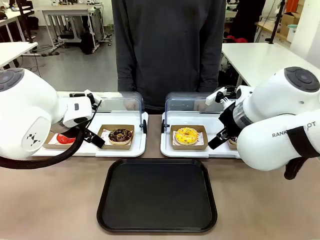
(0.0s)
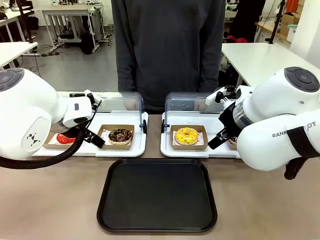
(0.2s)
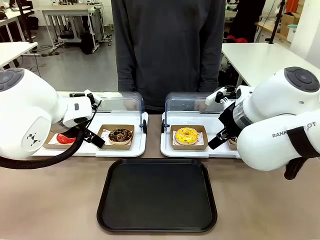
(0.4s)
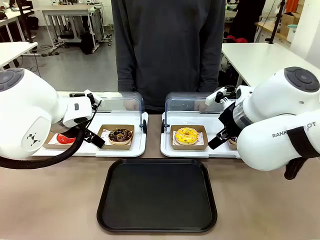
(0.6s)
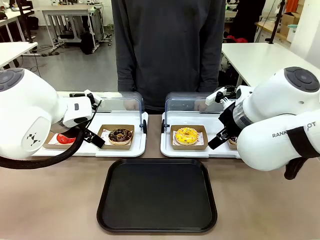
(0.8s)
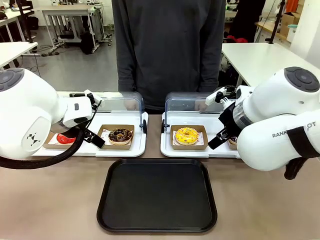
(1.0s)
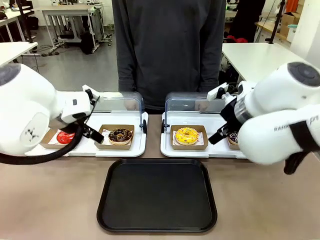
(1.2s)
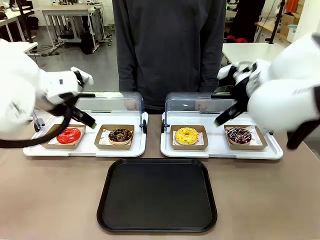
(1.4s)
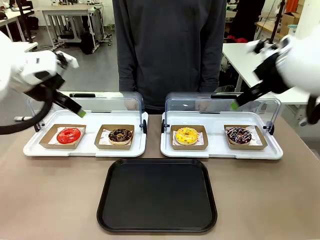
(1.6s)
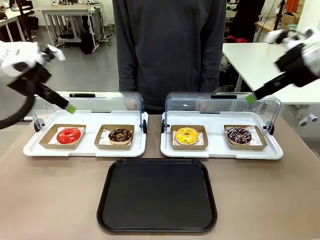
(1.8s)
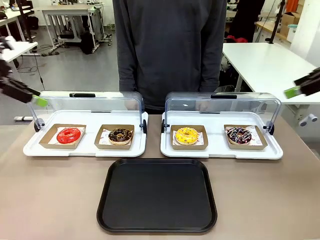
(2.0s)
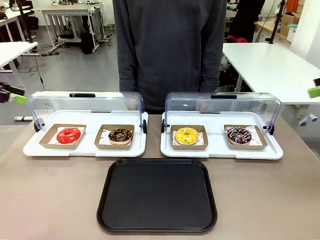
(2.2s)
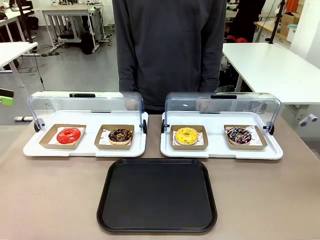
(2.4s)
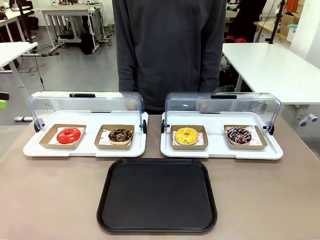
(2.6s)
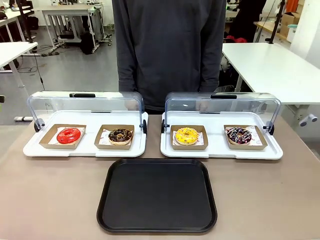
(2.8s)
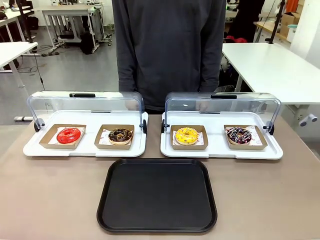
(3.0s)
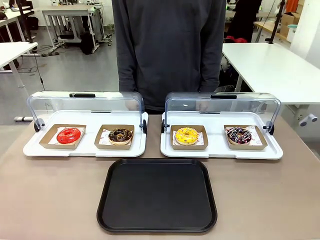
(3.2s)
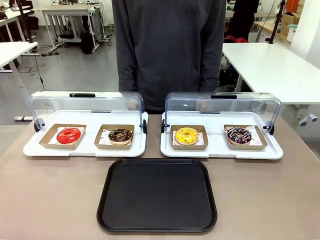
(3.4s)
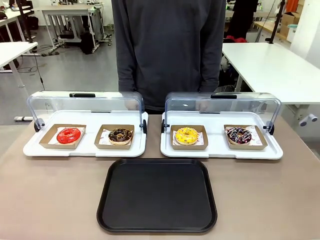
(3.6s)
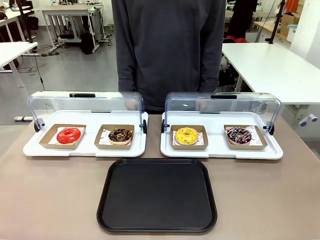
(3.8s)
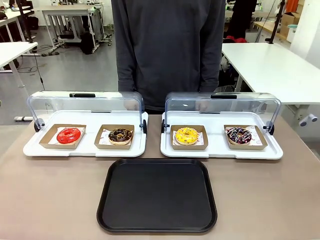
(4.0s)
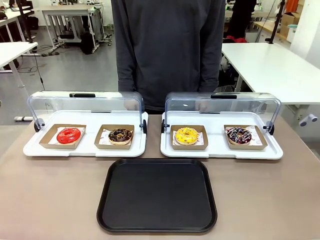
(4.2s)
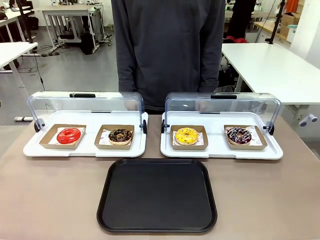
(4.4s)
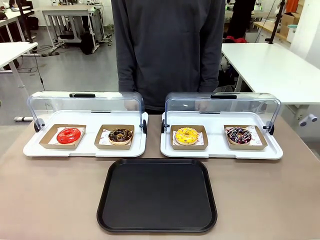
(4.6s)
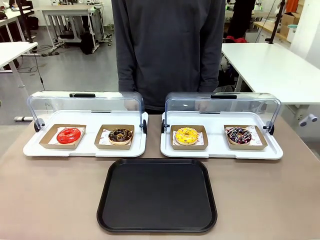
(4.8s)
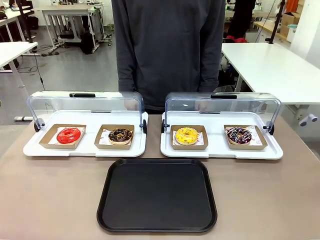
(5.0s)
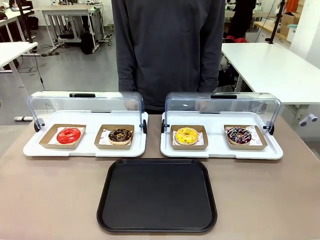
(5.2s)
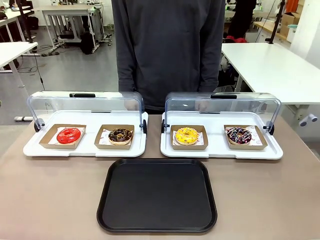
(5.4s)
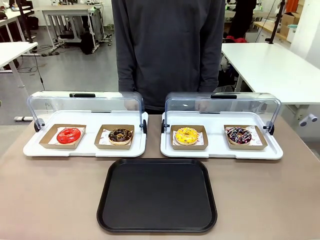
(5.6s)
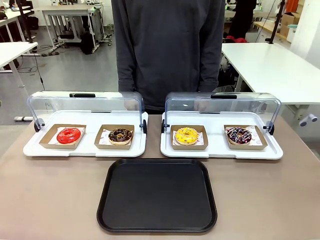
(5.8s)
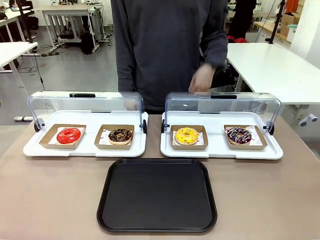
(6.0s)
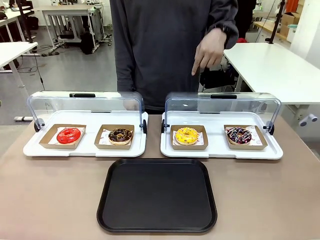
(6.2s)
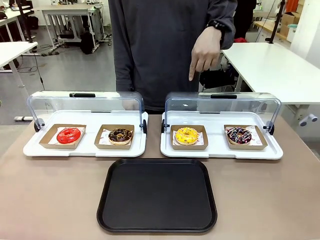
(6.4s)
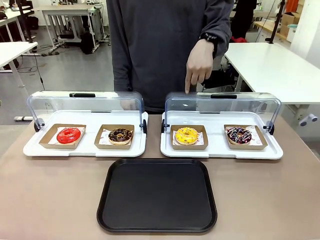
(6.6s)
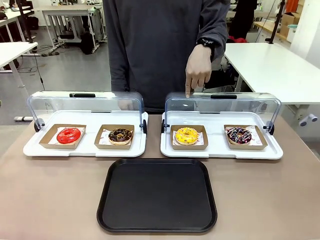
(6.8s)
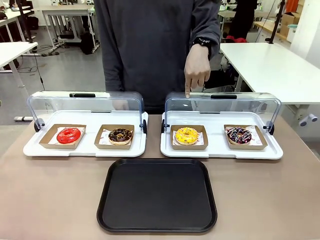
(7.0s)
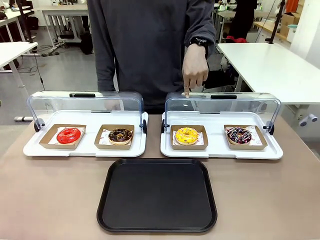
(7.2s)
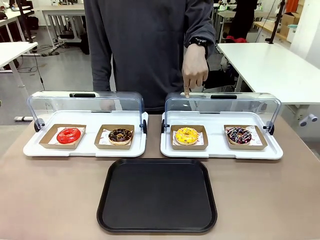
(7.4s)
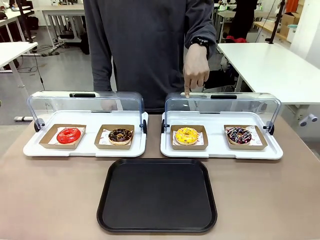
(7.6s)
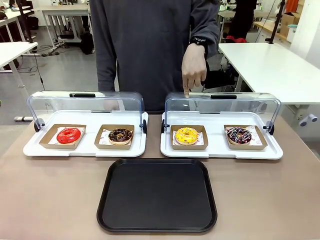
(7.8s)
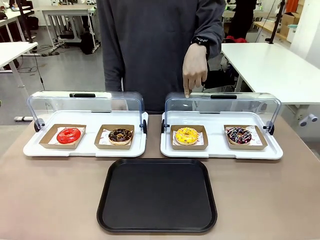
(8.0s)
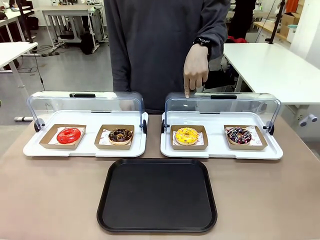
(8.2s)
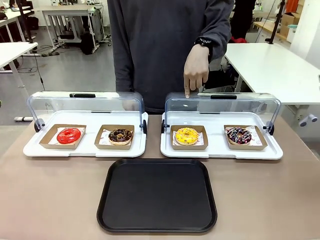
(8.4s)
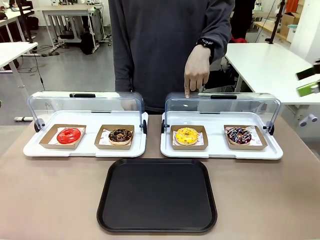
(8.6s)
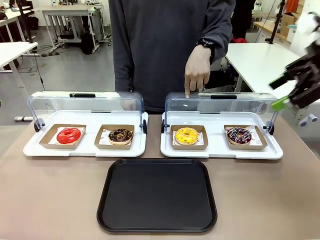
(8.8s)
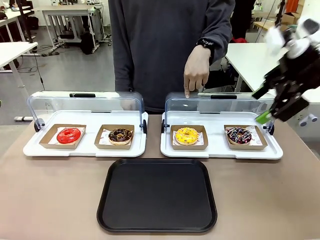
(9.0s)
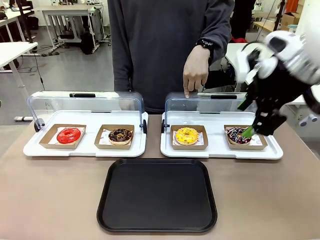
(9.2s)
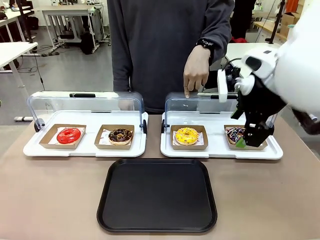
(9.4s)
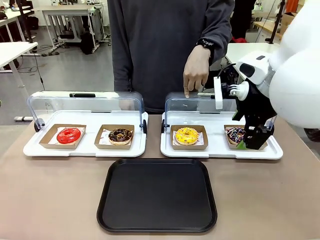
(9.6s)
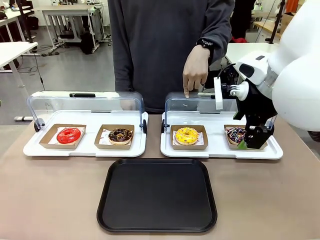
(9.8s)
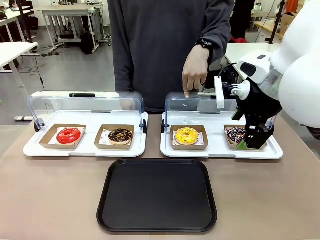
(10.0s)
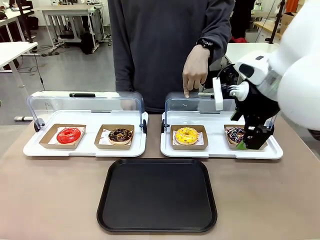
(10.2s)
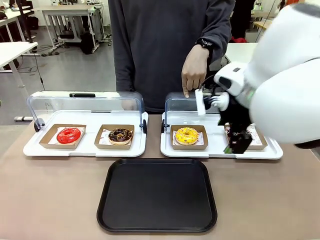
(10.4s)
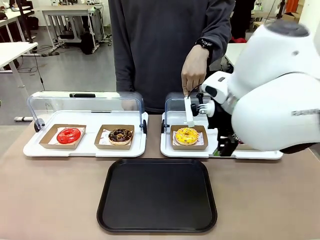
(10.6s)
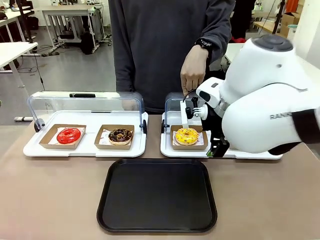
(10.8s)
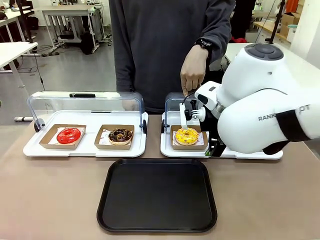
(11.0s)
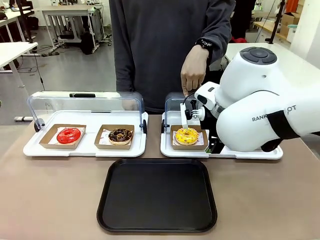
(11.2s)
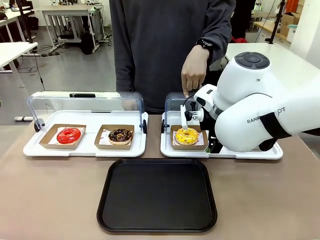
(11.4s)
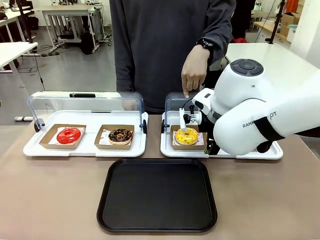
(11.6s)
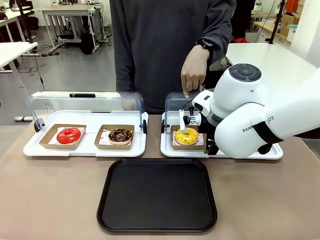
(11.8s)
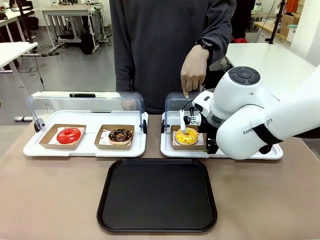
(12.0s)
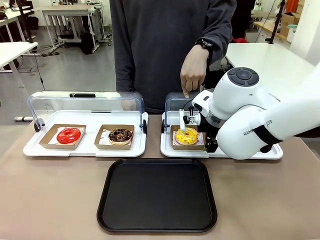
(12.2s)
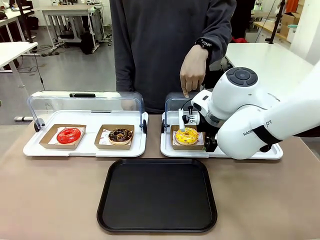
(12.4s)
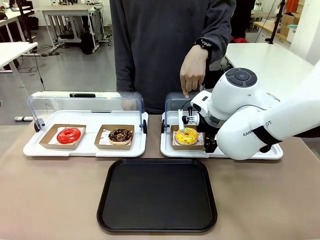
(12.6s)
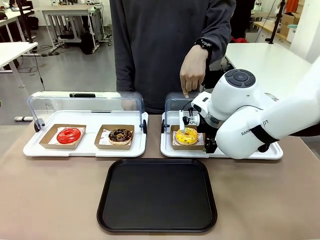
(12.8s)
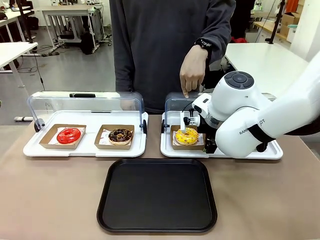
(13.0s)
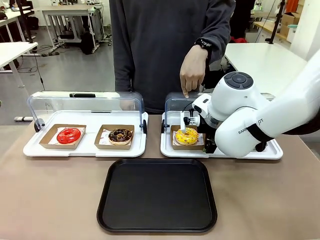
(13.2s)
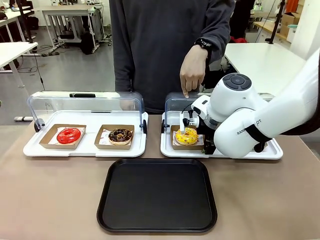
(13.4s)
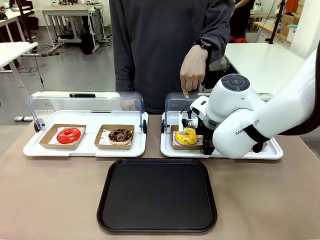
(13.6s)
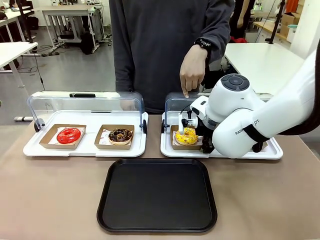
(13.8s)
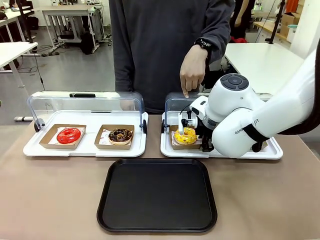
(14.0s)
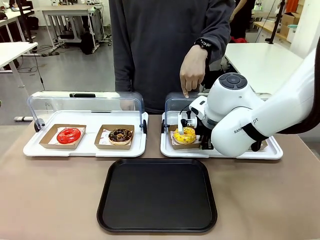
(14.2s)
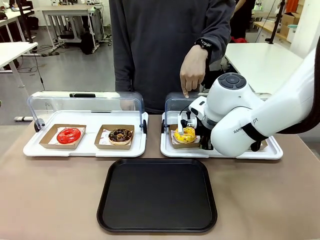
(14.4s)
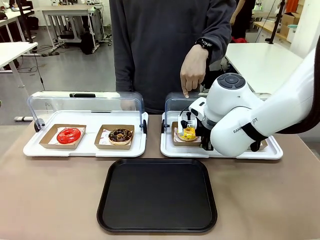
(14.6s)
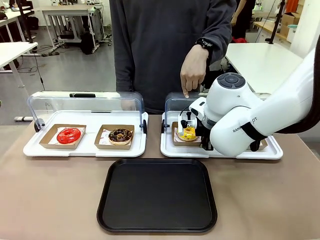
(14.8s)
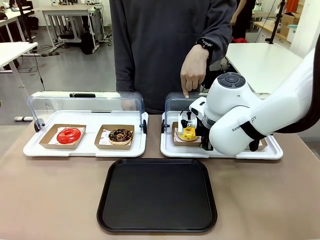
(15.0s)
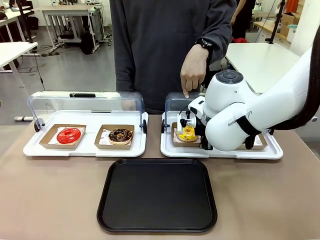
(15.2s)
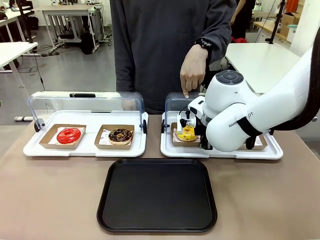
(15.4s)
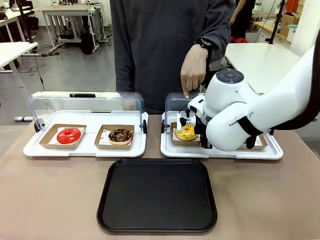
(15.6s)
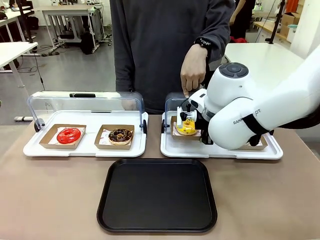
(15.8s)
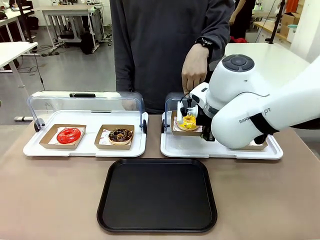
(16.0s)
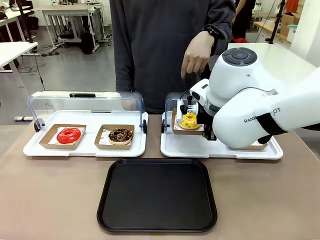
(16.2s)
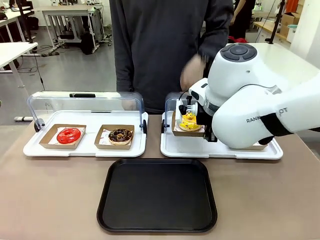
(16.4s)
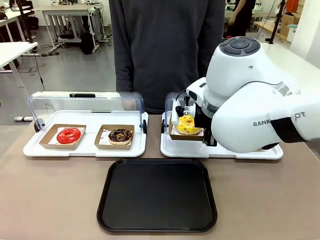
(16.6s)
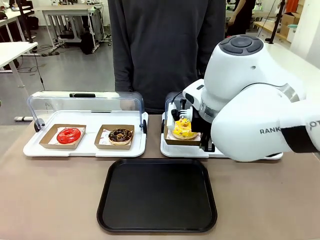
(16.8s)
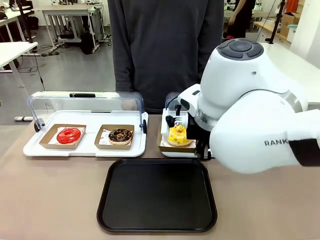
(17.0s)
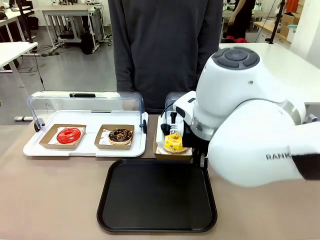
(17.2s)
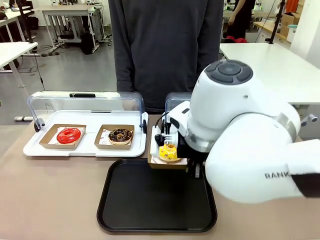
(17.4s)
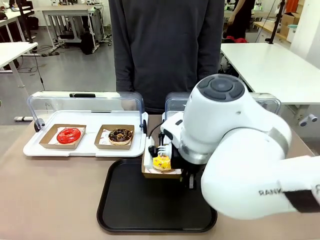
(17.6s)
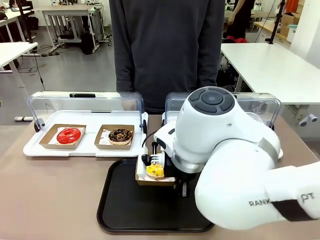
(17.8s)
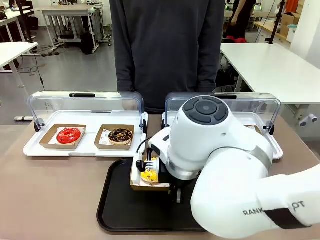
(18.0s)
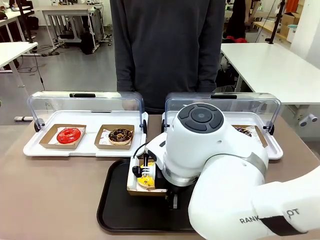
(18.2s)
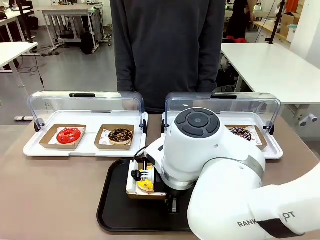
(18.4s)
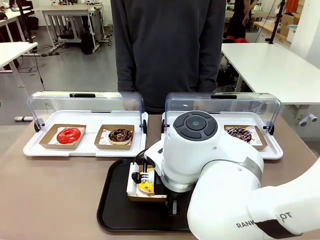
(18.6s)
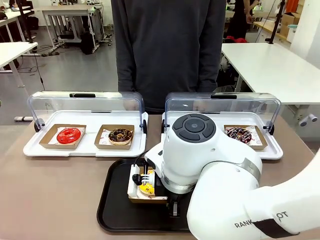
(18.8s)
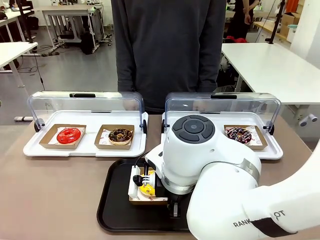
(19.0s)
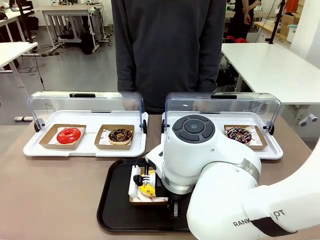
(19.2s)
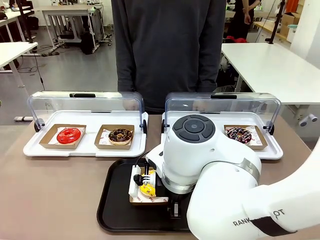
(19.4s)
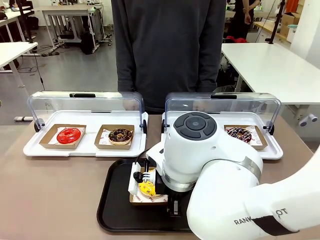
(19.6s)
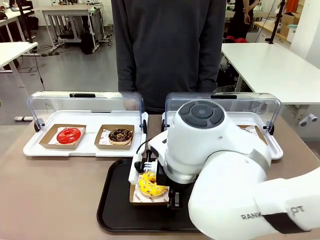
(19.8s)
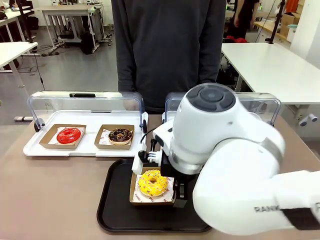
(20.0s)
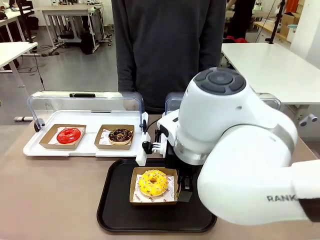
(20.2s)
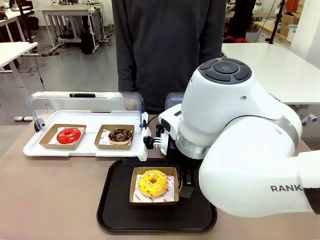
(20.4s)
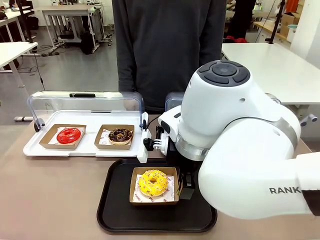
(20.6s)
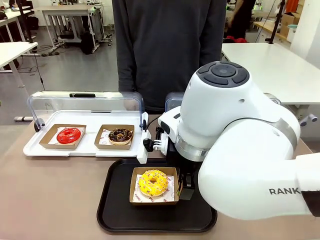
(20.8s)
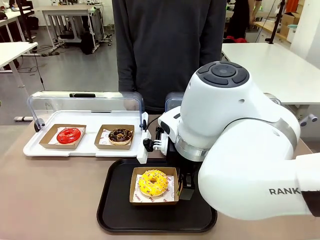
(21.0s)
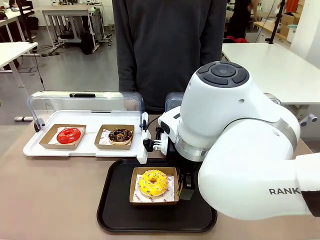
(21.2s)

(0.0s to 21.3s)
Task: Move the third donut from the left to the tray.
Robot: Pick up the Paper togo box containing the Donut indicated by the person and place it on the Handle tray.
Person: Points to the third donut from the left from the robot’s perspective.
